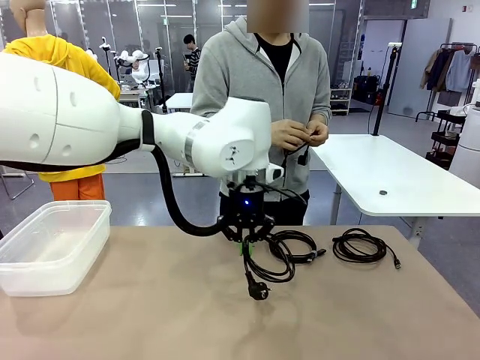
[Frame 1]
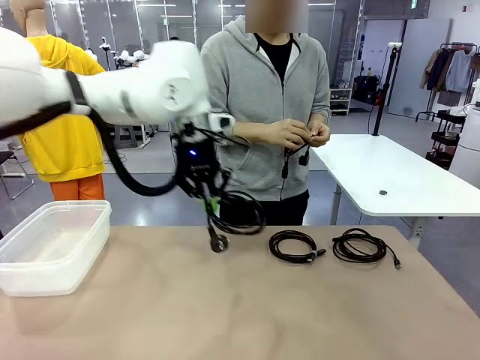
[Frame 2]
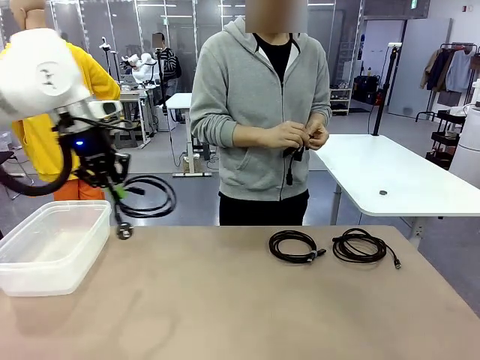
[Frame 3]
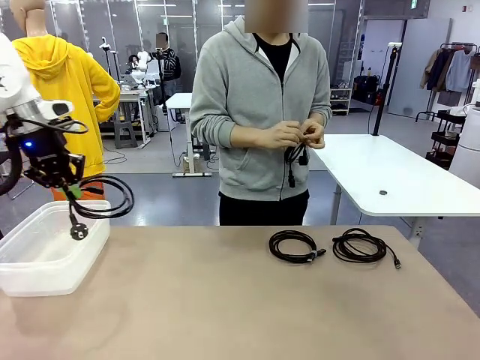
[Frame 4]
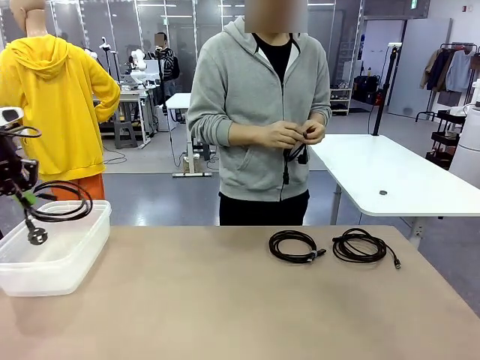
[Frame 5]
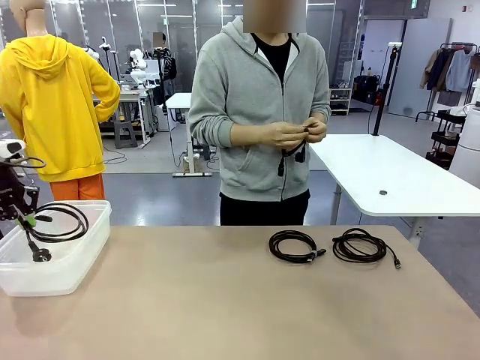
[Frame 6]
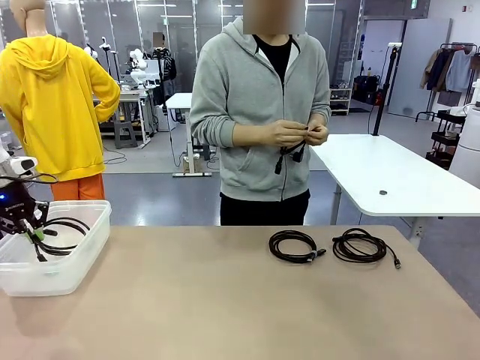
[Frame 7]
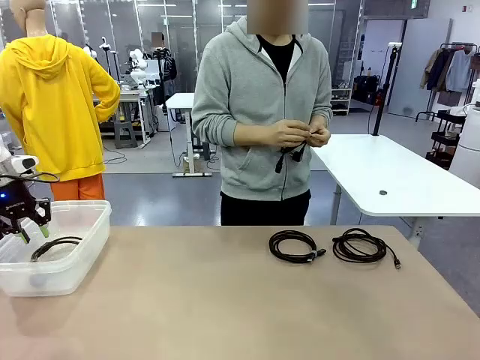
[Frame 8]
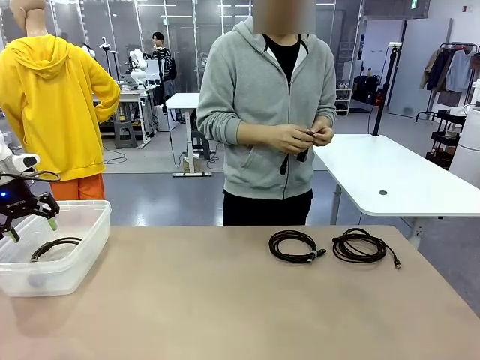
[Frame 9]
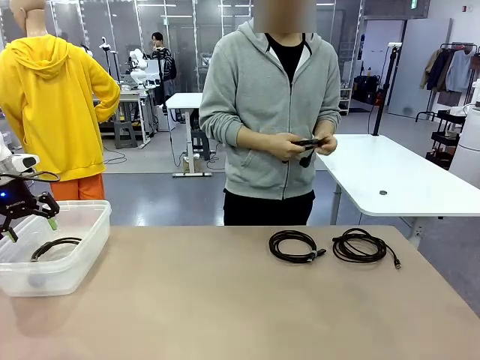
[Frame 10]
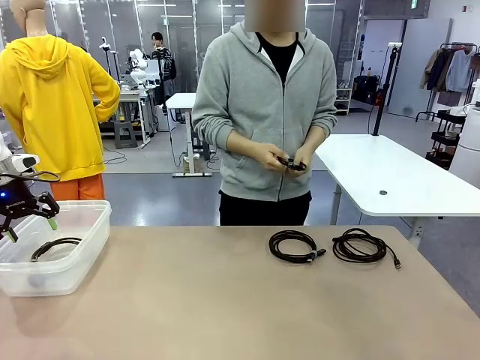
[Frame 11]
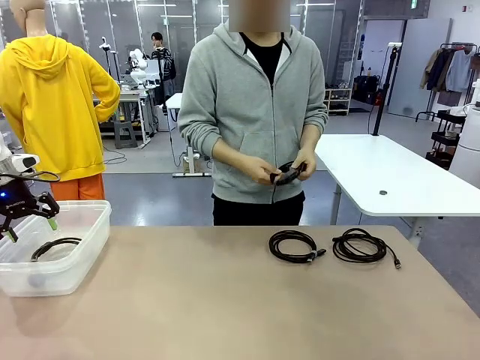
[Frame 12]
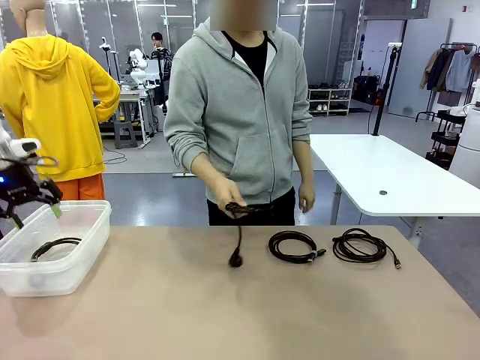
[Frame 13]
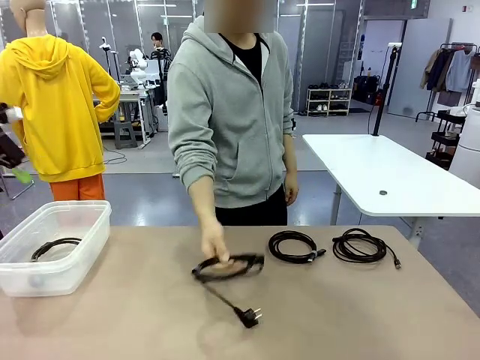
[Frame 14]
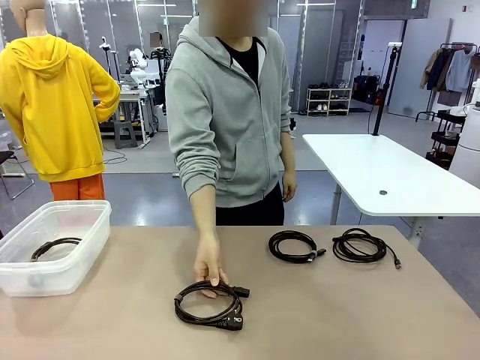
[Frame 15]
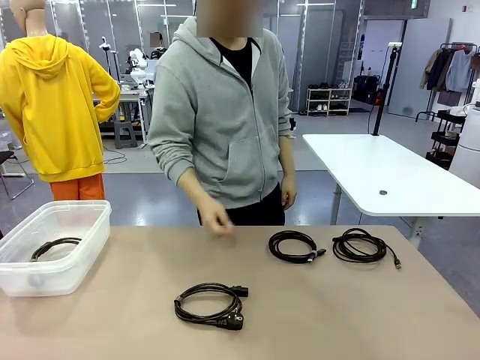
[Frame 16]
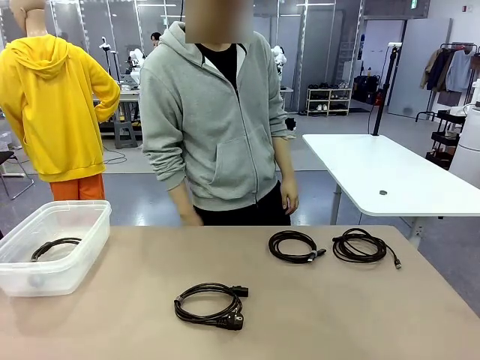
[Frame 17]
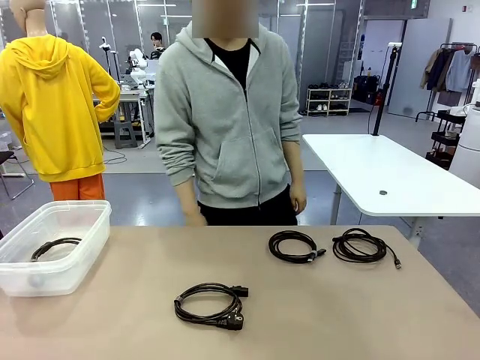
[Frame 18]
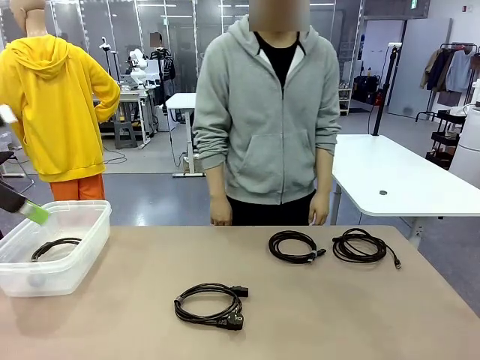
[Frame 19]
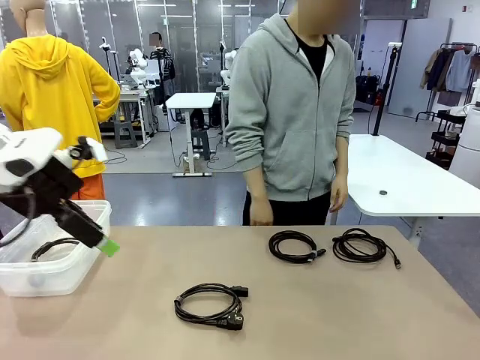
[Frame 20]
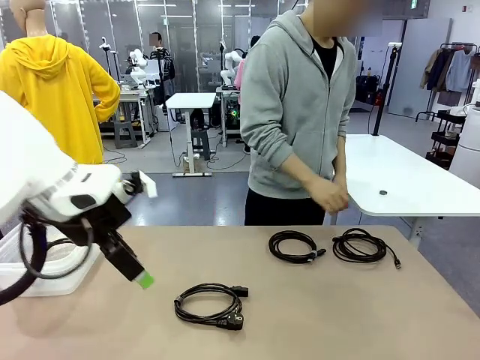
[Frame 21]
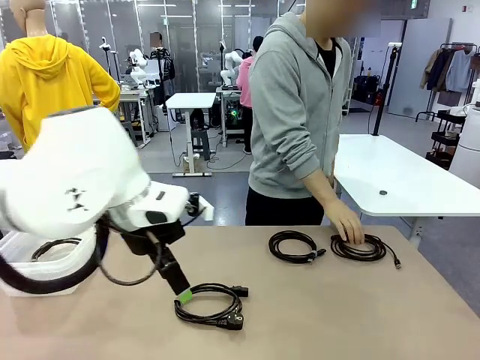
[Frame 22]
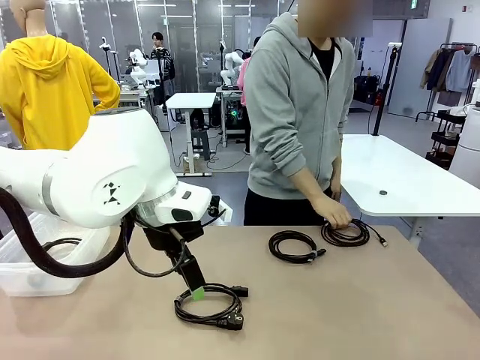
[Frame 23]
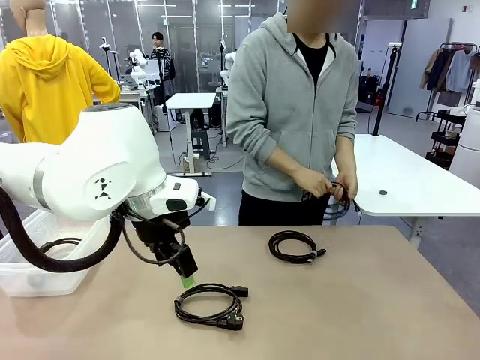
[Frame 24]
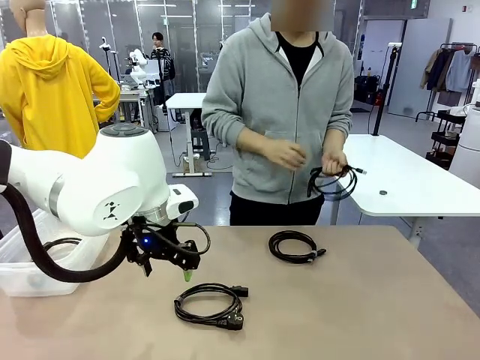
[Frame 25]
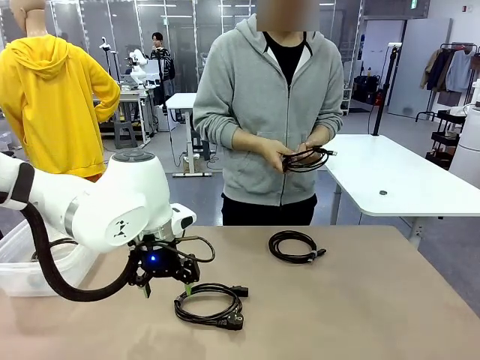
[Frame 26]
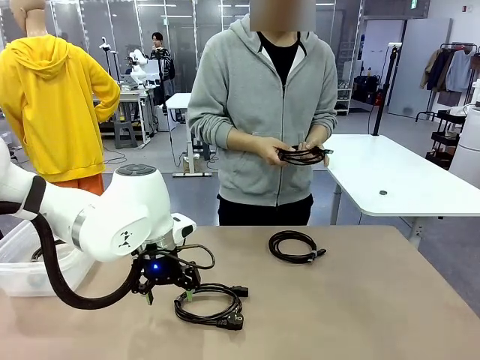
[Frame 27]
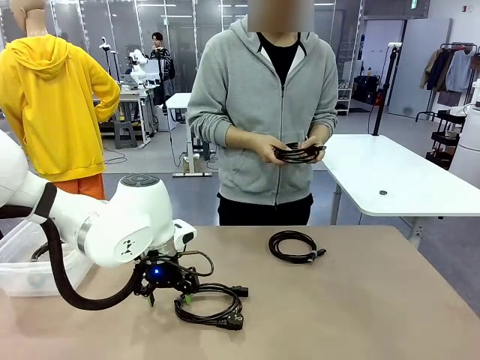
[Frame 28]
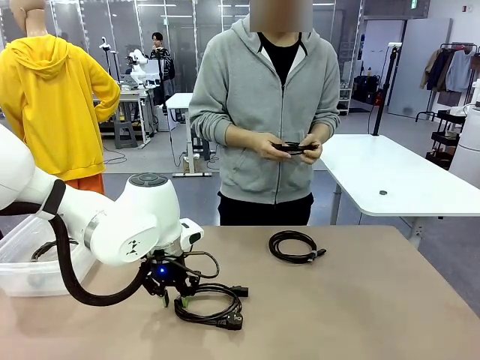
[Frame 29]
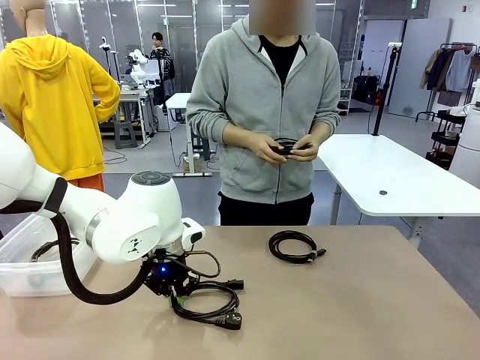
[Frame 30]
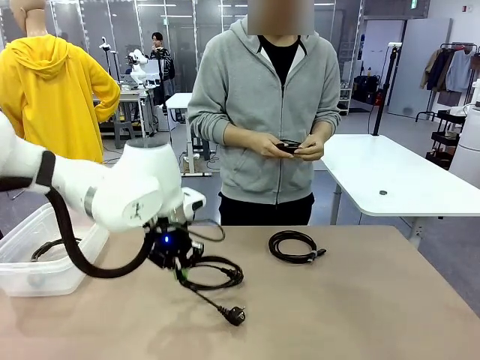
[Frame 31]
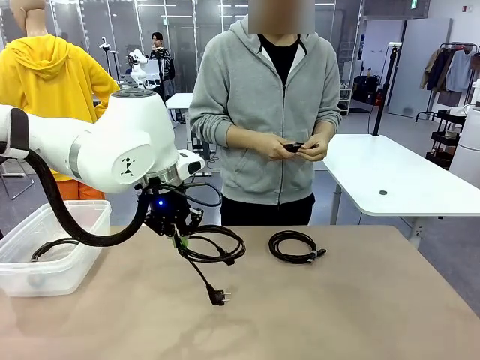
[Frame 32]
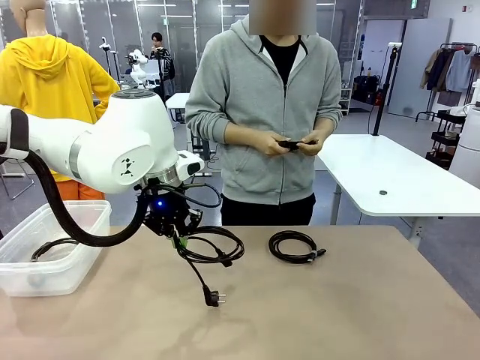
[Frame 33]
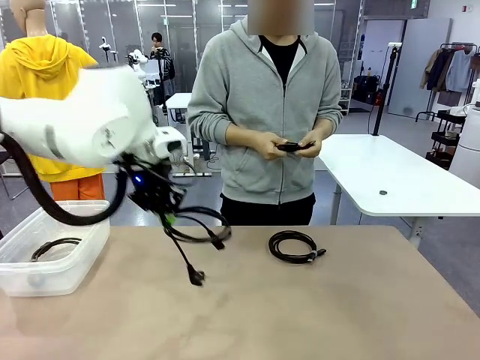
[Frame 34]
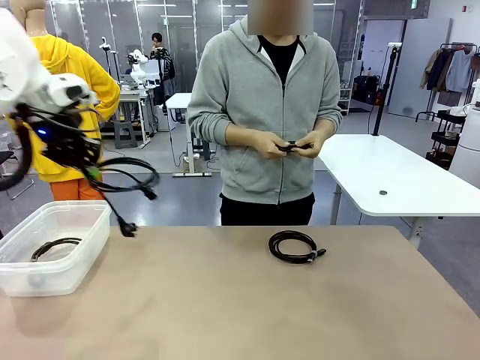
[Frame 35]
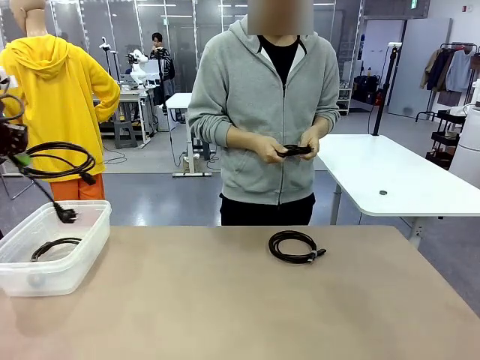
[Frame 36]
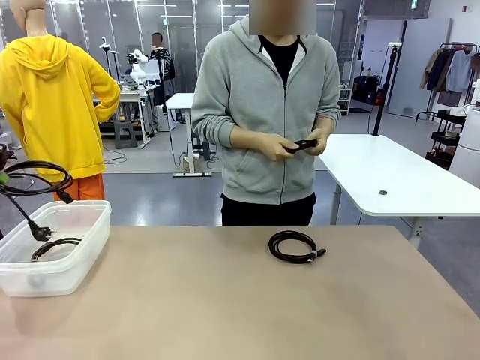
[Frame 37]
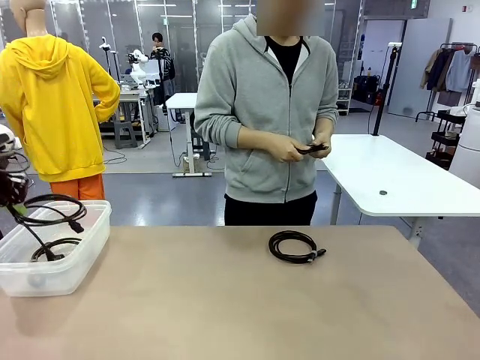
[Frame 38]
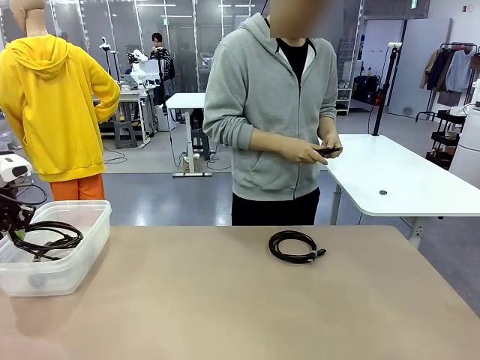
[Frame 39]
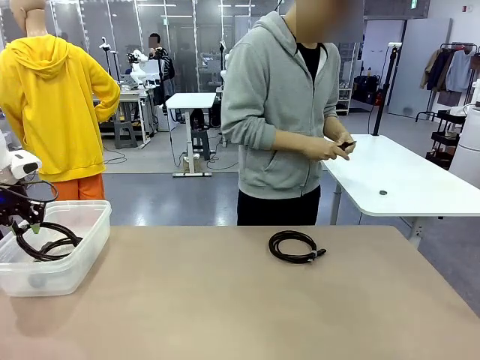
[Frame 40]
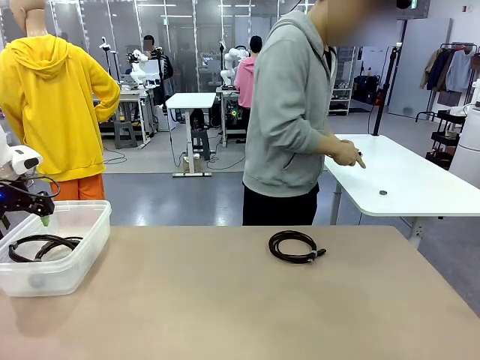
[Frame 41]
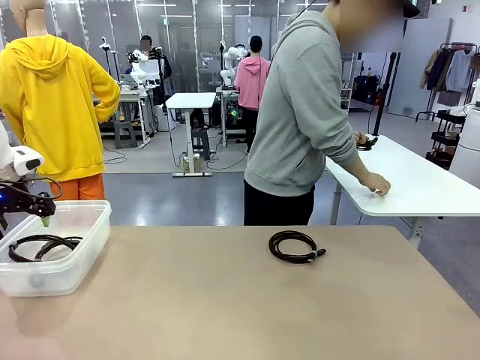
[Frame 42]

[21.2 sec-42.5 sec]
Task: Organize and store the cables.
Robot: Place the Power Cable into the Organizing box.
